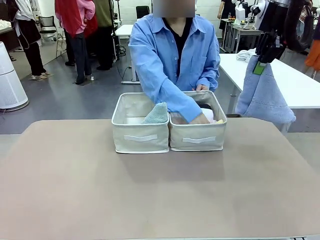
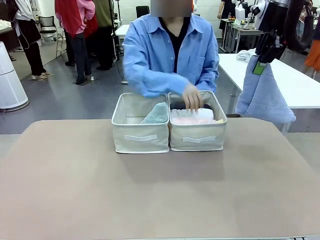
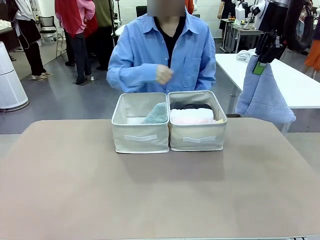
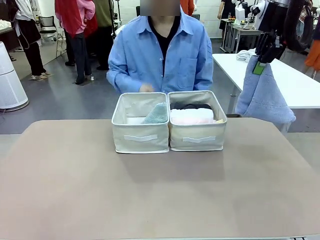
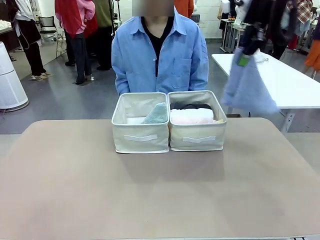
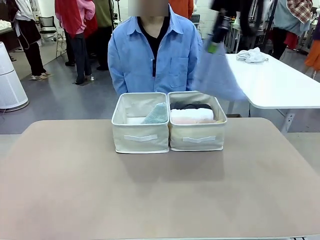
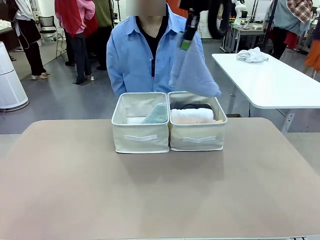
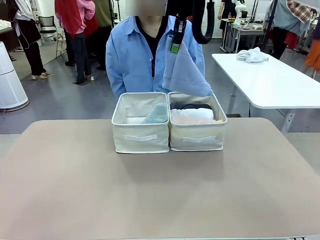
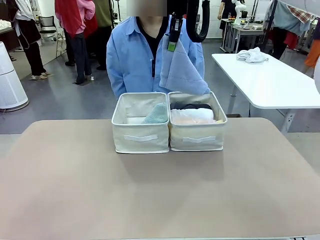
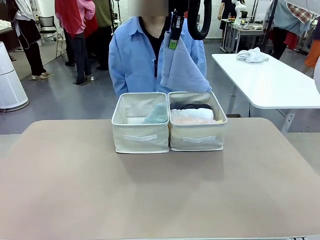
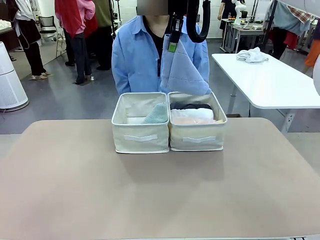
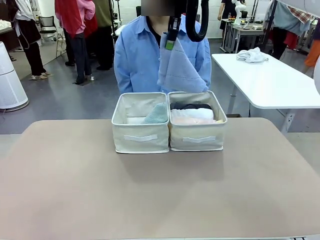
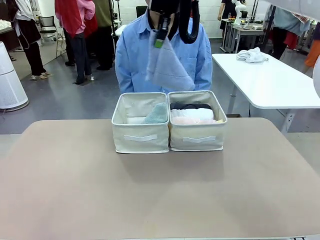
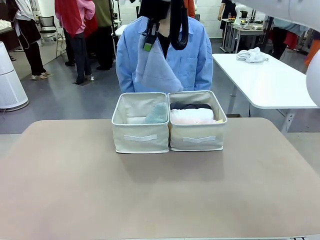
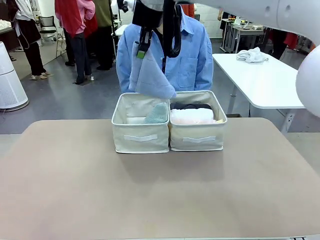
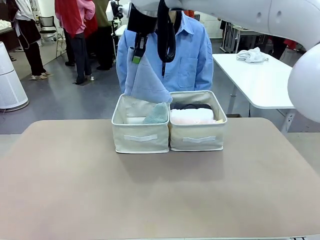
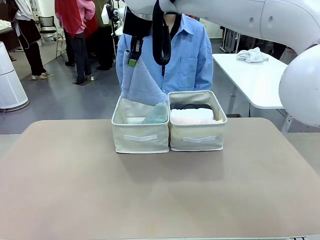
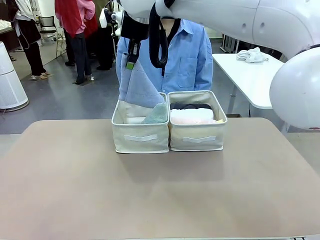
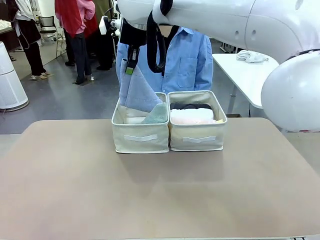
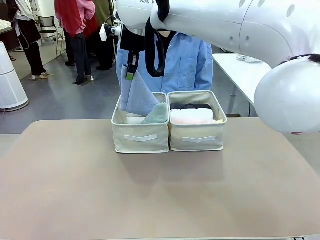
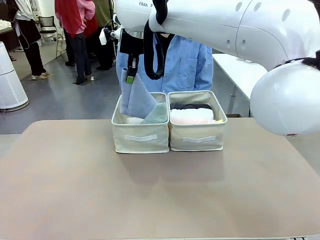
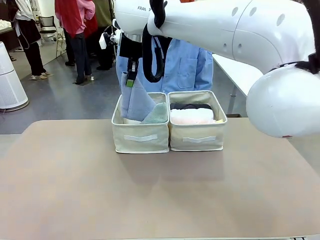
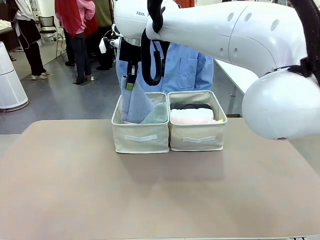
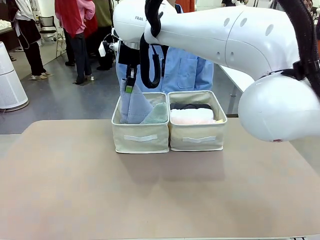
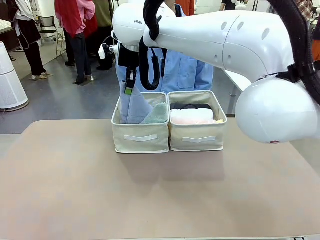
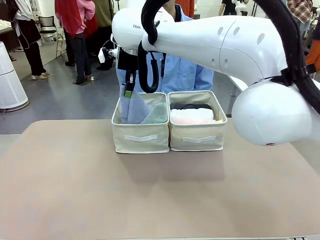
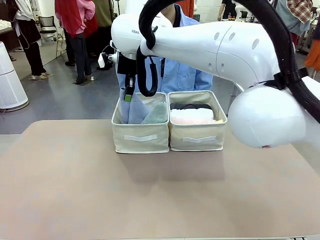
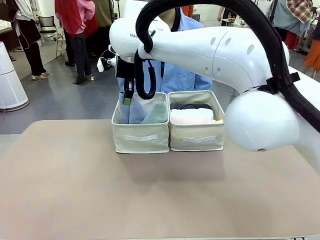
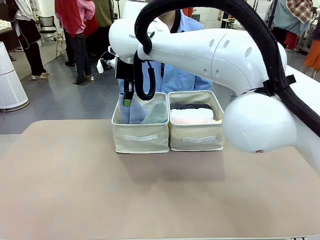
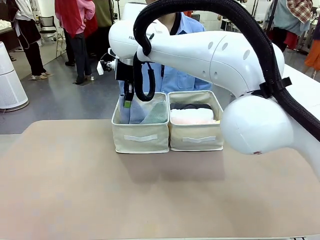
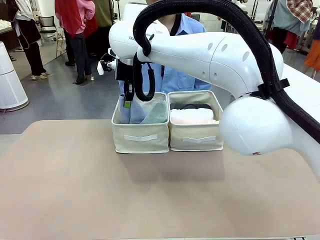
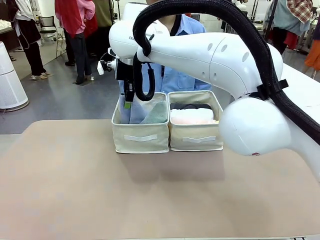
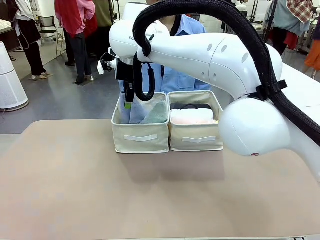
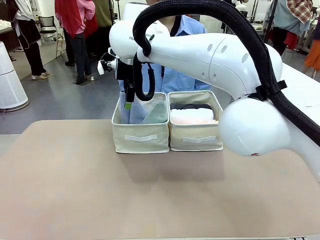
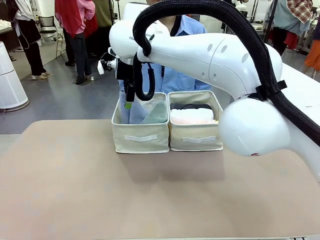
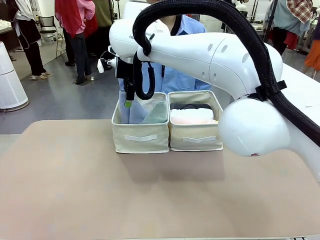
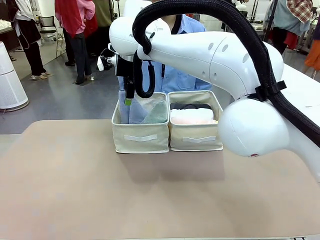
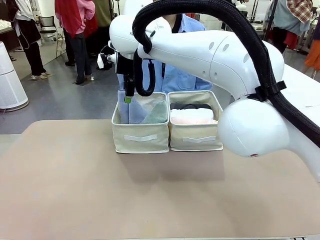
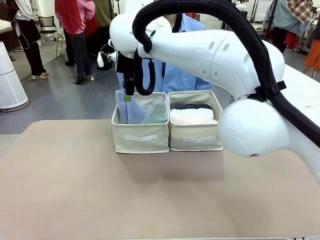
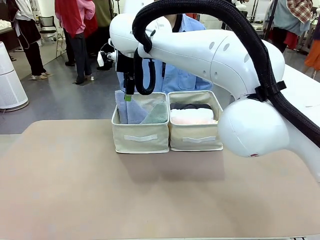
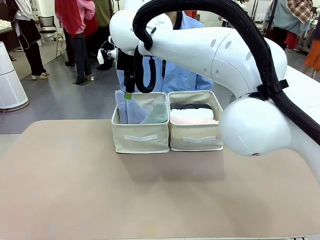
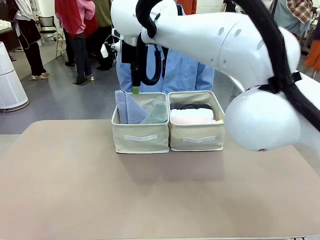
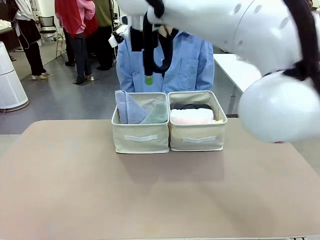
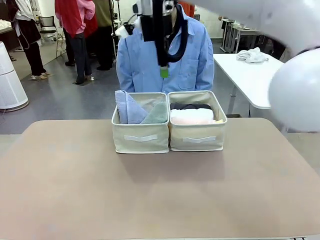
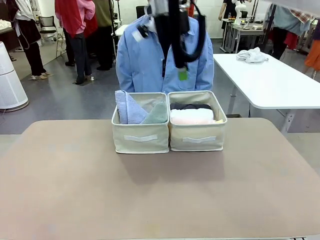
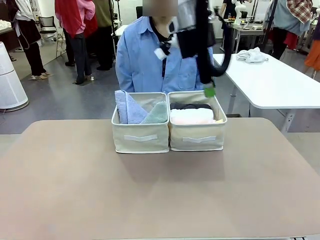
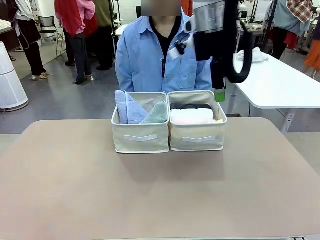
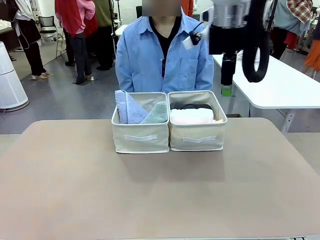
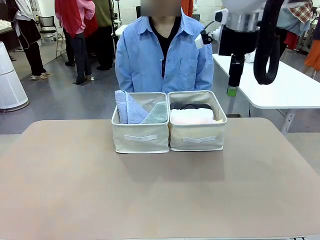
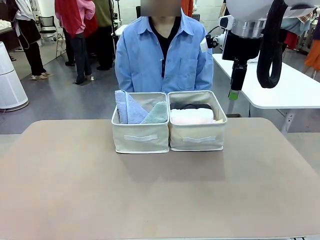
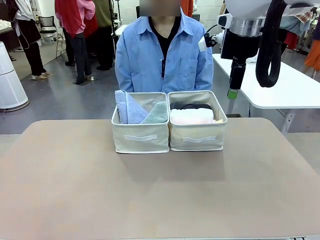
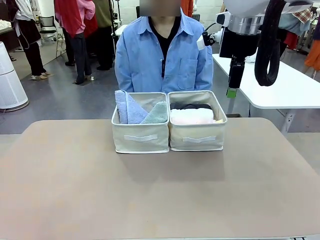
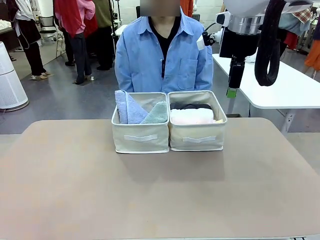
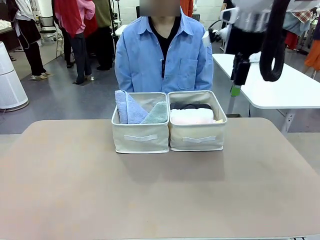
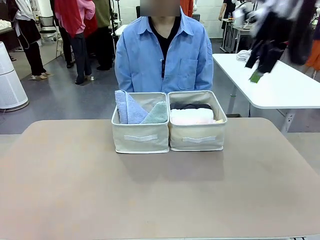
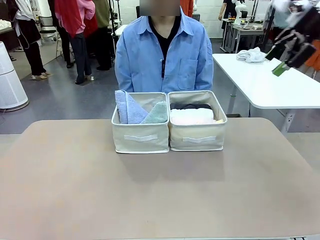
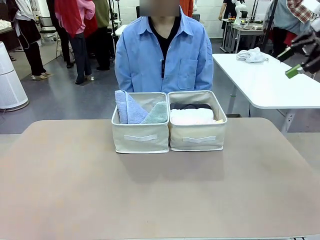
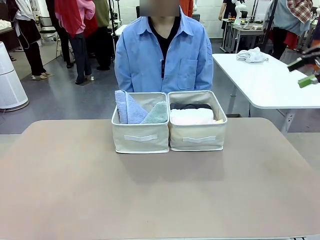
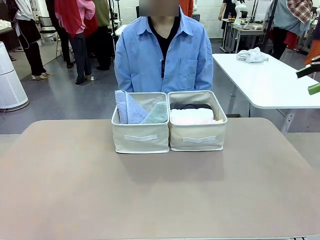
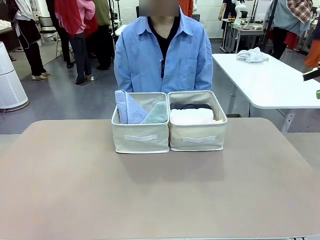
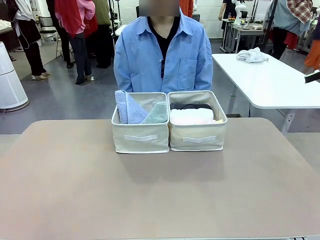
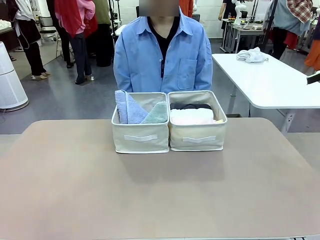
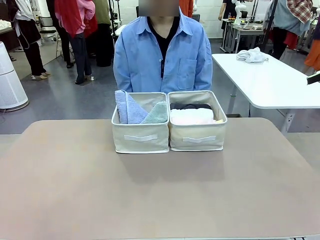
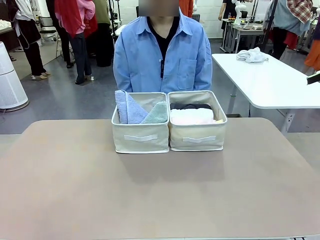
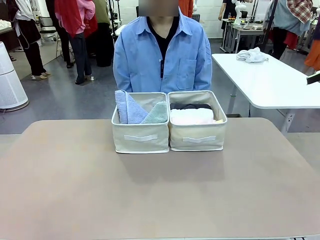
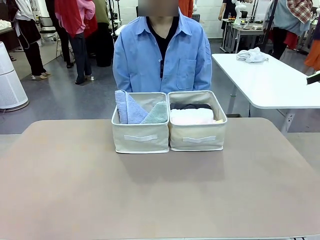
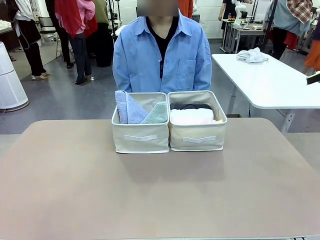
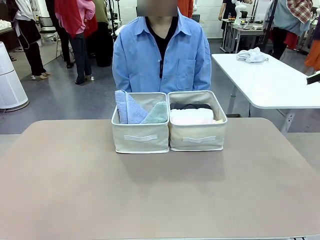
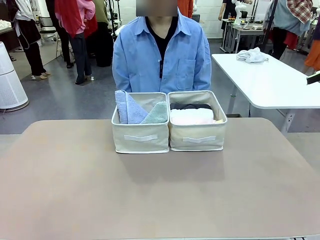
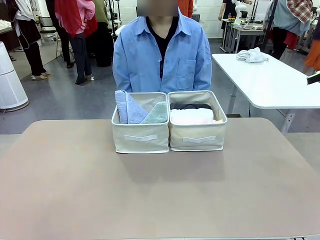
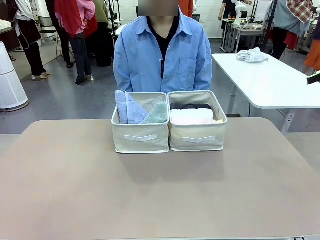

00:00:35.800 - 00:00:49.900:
Task: Sort the towels based on their folding style.
Robot: Pick up another triangle-folded towel from the table and place it in the left Fabric basket.

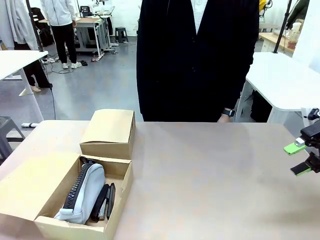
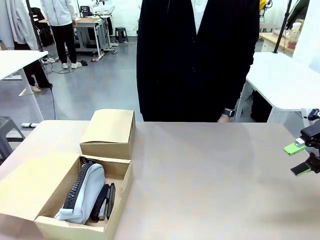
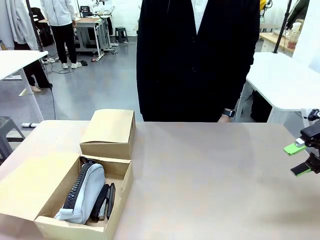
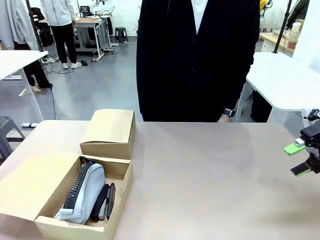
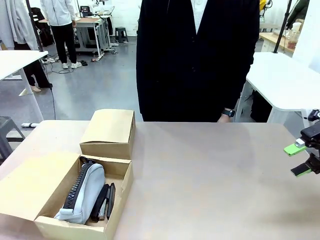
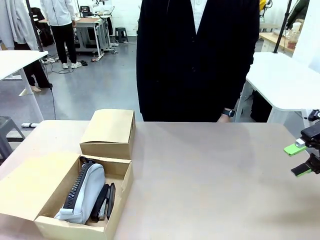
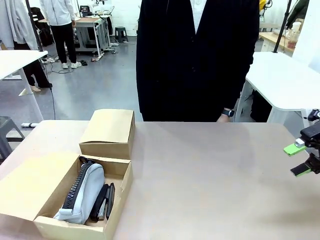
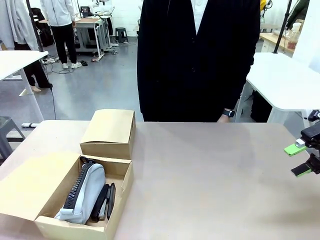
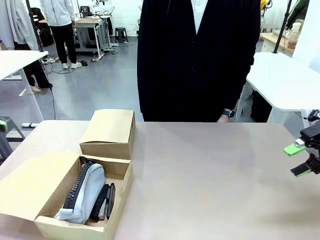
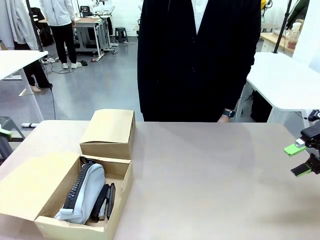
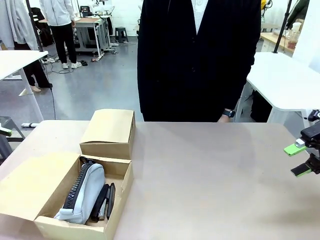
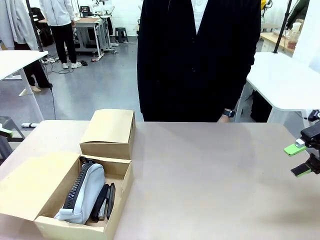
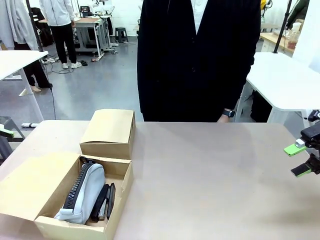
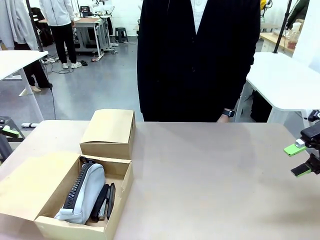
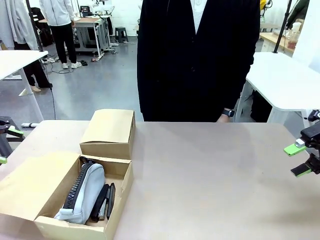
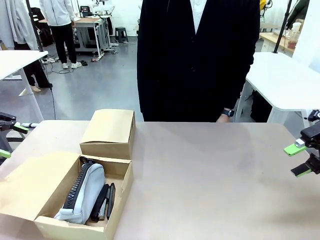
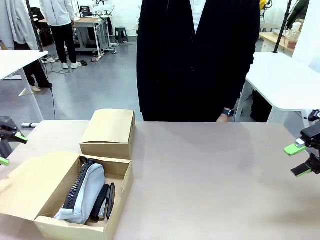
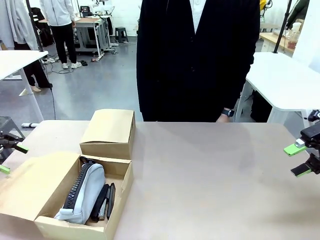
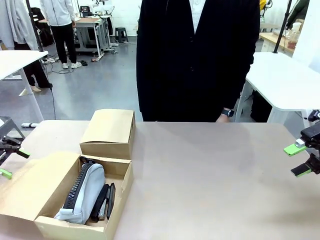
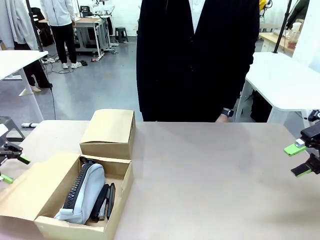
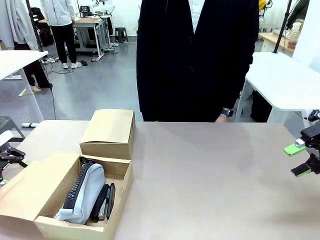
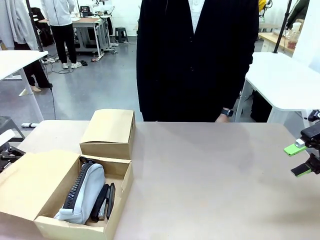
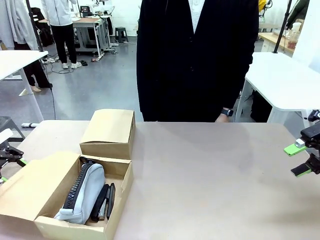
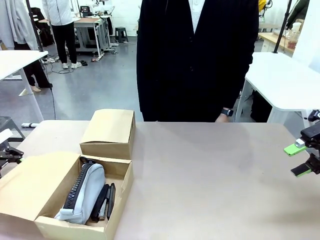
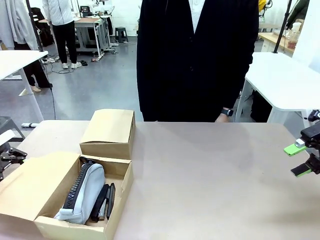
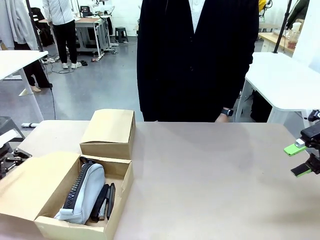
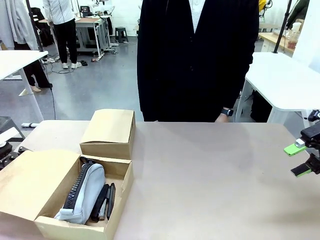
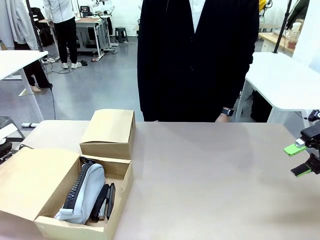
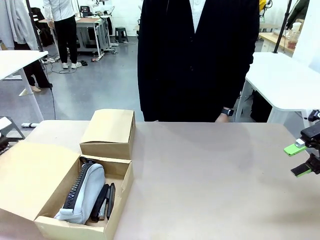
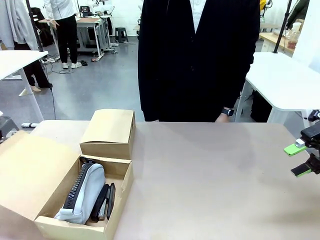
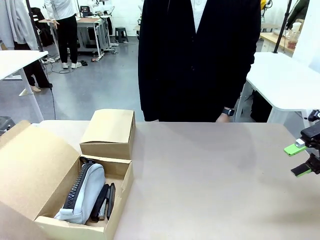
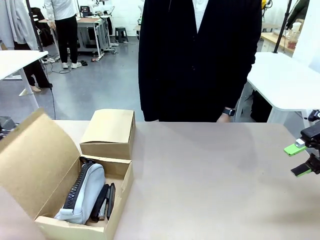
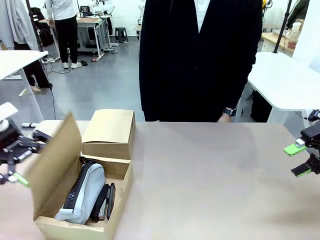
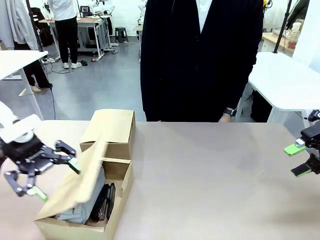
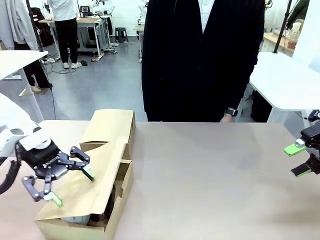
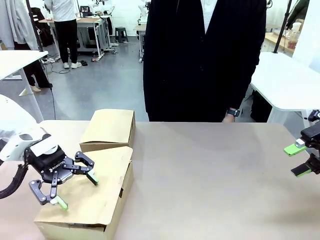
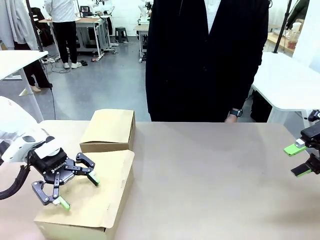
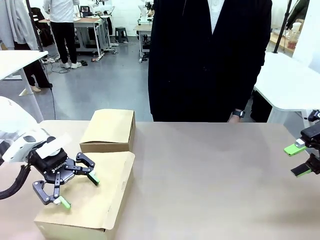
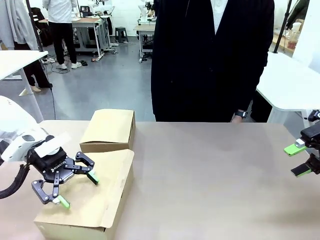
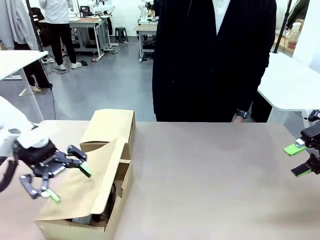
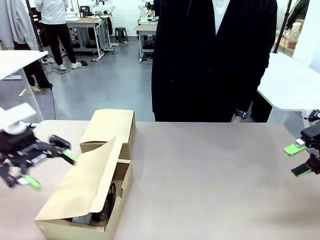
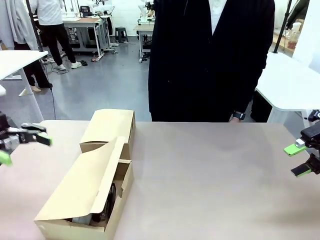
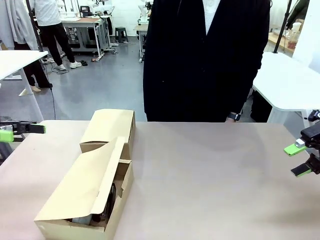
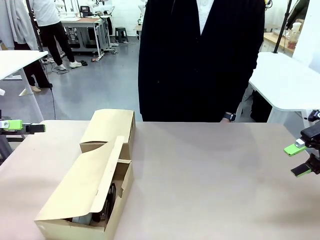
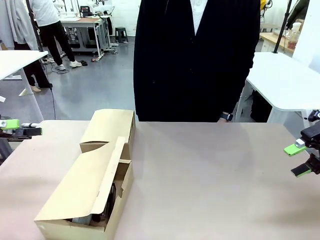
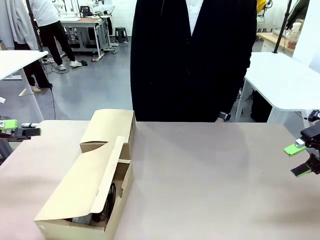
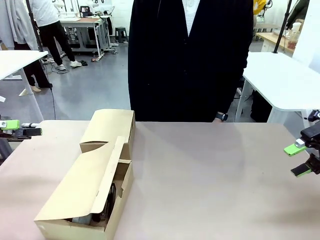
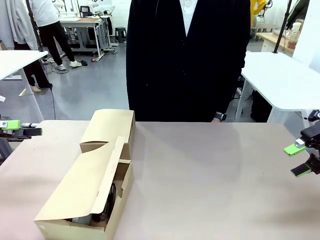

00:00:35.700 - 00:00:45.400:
Task: Place items inside the box.
Robot: Close the lid of the Mailer Box closest to the robot.
Person: Close the lid of the box facing the person.
